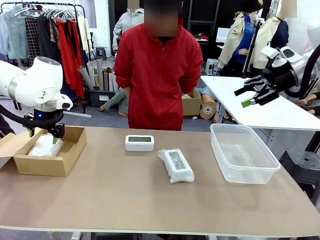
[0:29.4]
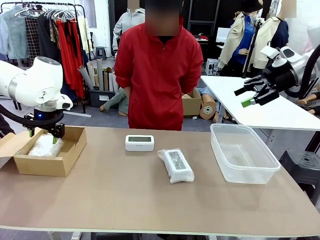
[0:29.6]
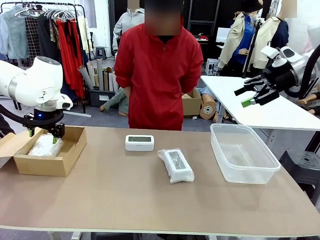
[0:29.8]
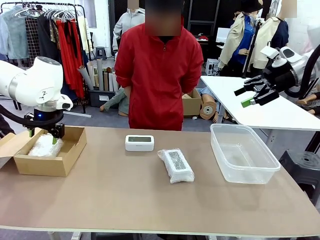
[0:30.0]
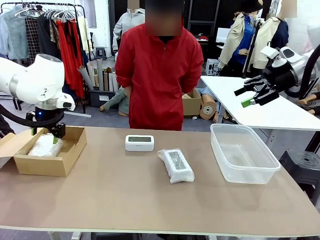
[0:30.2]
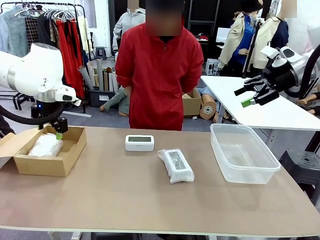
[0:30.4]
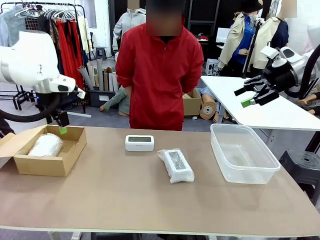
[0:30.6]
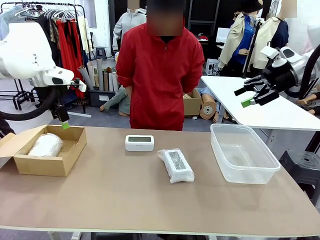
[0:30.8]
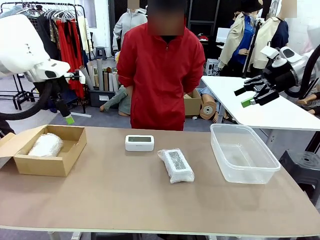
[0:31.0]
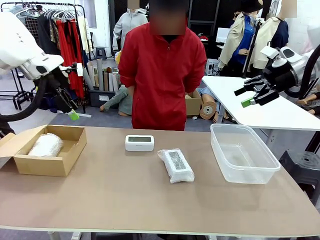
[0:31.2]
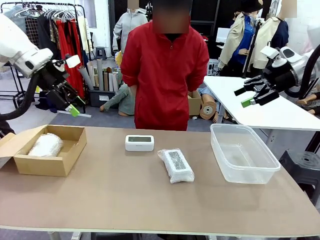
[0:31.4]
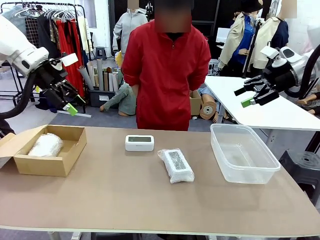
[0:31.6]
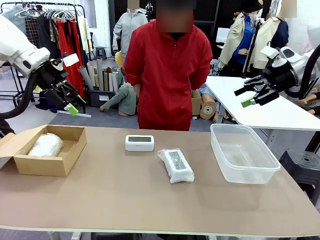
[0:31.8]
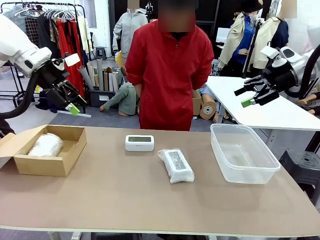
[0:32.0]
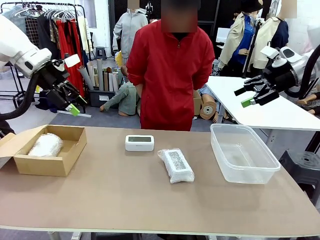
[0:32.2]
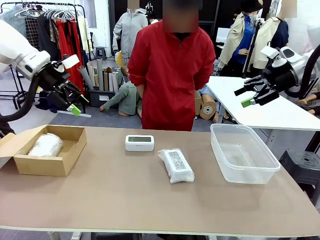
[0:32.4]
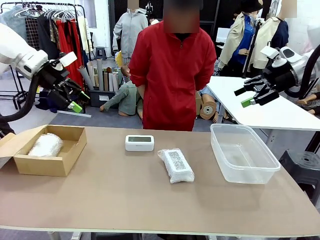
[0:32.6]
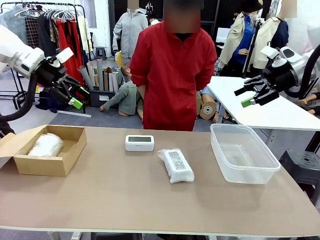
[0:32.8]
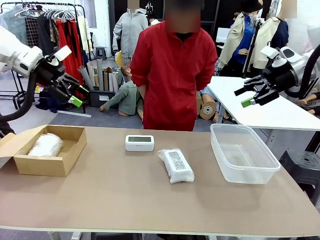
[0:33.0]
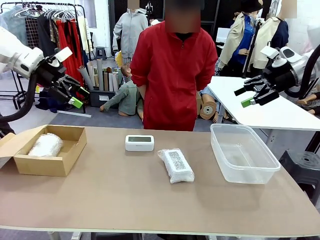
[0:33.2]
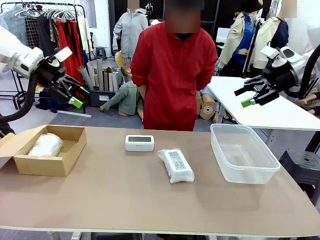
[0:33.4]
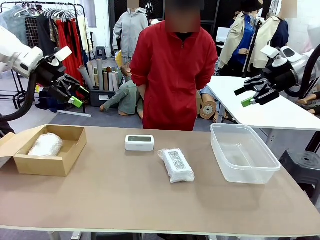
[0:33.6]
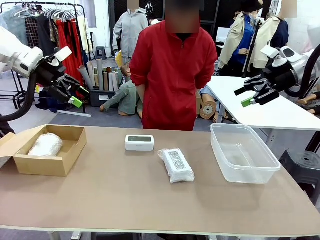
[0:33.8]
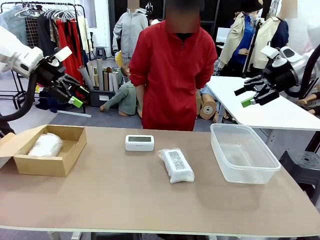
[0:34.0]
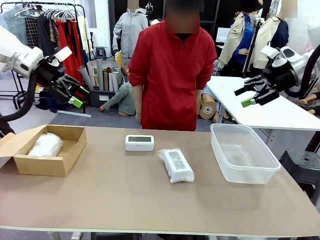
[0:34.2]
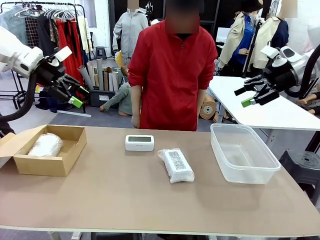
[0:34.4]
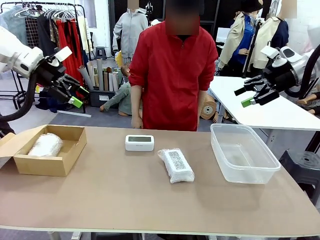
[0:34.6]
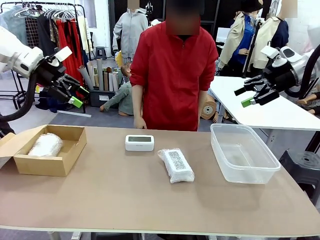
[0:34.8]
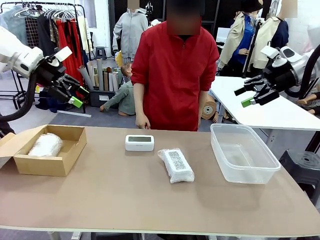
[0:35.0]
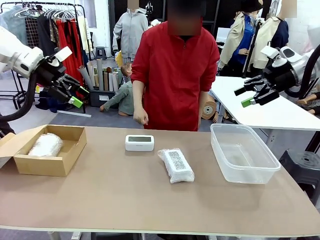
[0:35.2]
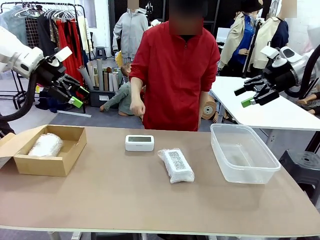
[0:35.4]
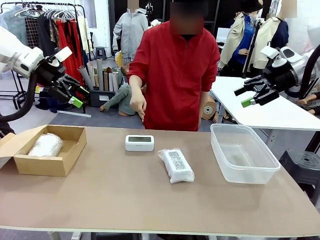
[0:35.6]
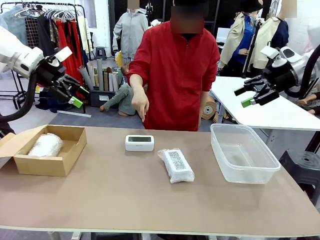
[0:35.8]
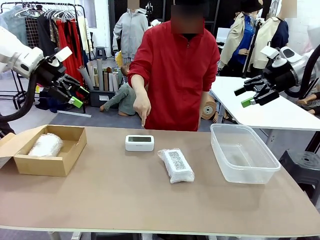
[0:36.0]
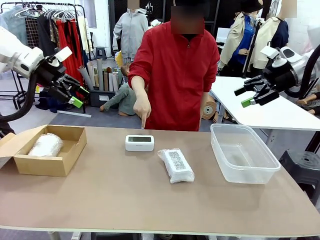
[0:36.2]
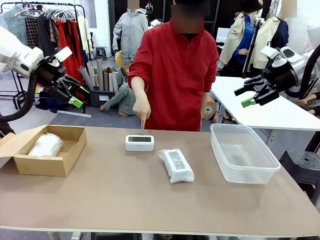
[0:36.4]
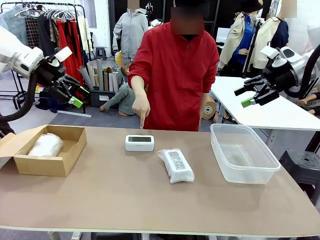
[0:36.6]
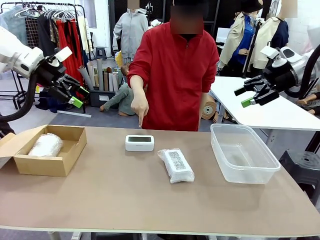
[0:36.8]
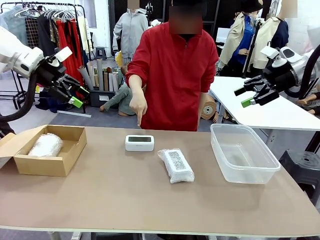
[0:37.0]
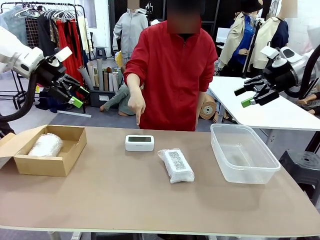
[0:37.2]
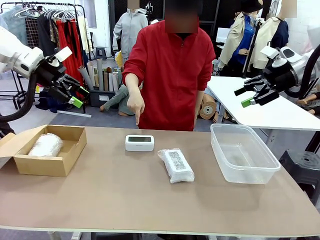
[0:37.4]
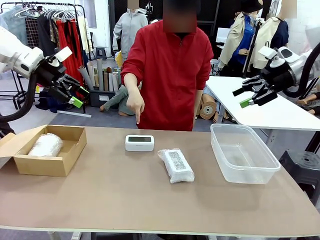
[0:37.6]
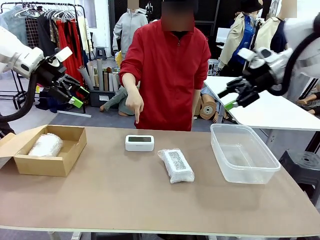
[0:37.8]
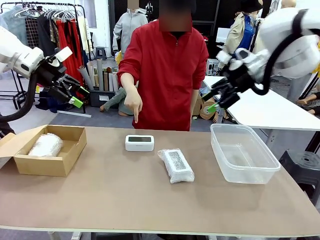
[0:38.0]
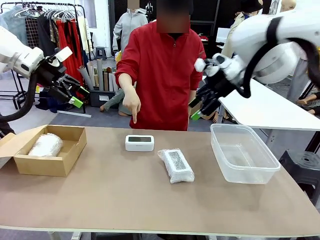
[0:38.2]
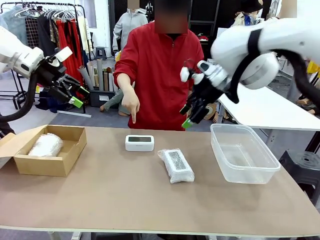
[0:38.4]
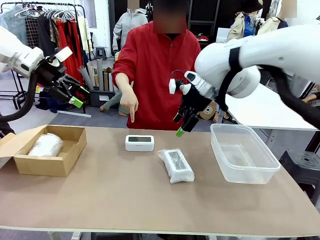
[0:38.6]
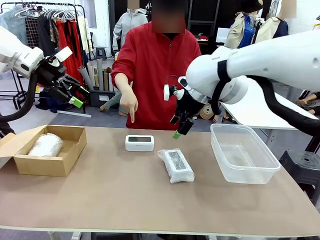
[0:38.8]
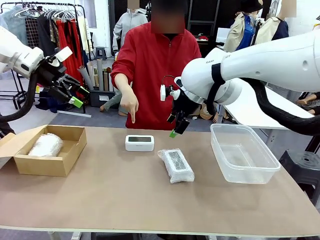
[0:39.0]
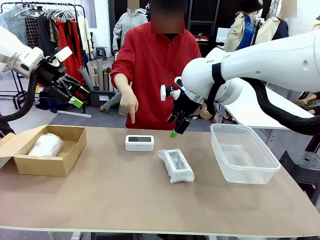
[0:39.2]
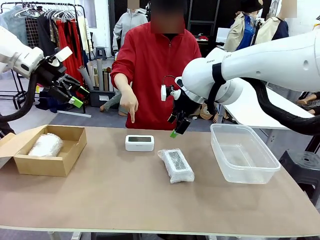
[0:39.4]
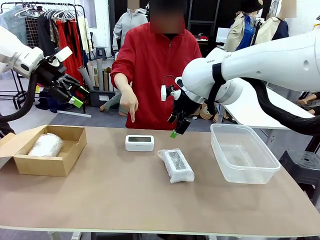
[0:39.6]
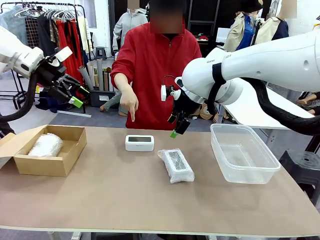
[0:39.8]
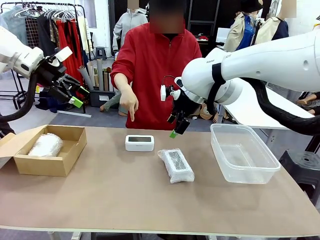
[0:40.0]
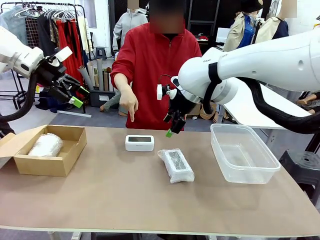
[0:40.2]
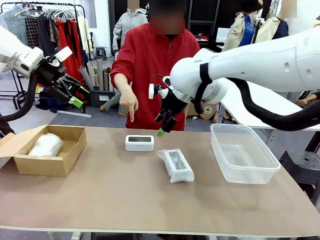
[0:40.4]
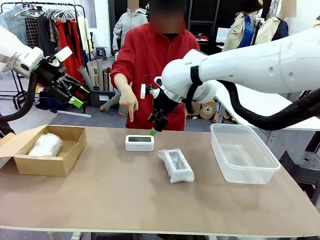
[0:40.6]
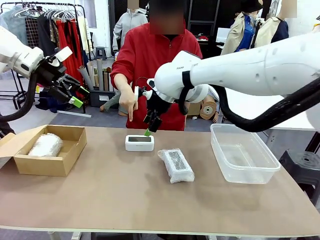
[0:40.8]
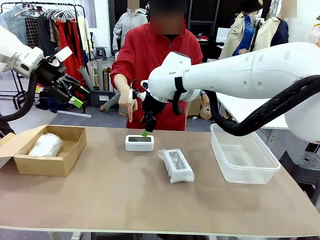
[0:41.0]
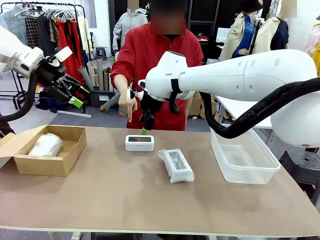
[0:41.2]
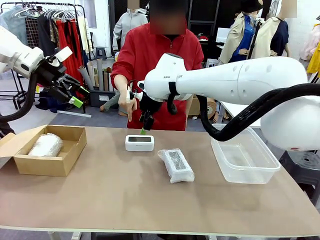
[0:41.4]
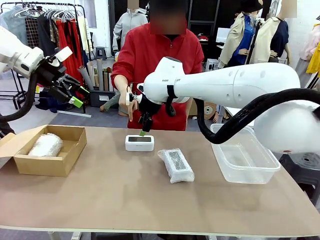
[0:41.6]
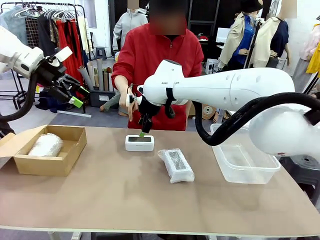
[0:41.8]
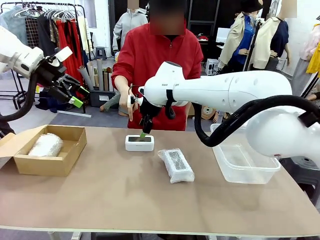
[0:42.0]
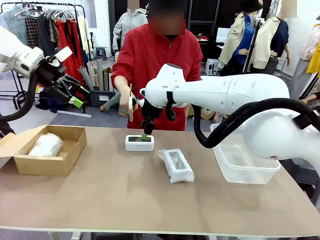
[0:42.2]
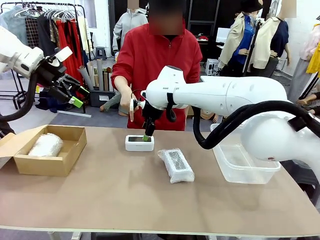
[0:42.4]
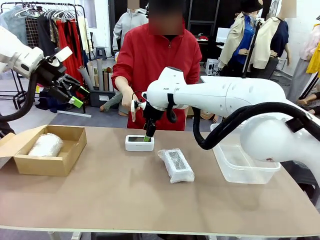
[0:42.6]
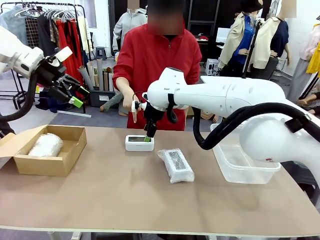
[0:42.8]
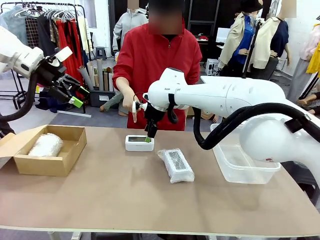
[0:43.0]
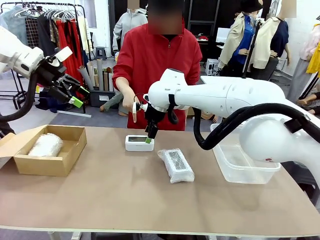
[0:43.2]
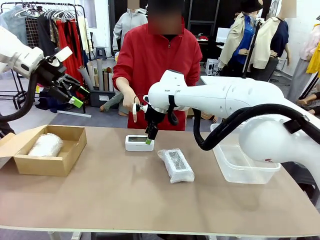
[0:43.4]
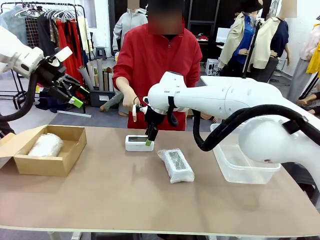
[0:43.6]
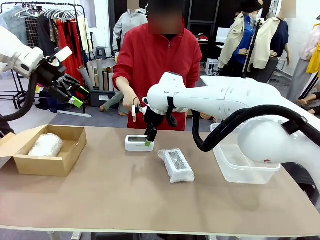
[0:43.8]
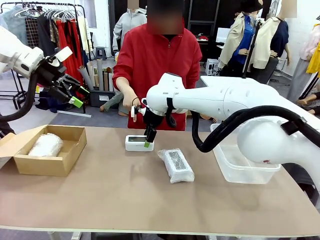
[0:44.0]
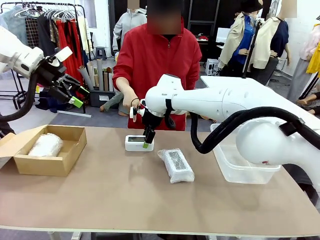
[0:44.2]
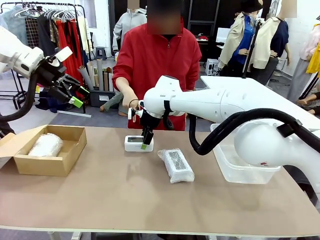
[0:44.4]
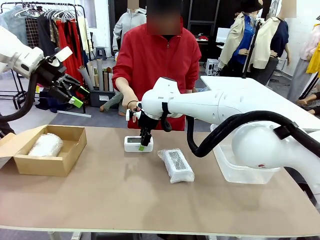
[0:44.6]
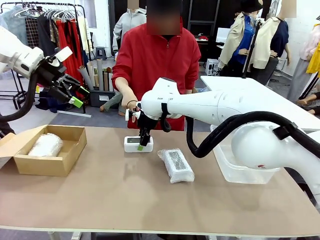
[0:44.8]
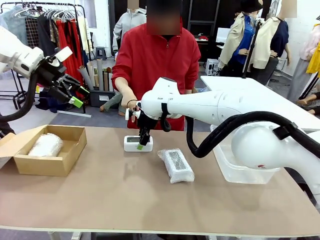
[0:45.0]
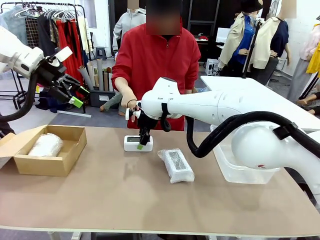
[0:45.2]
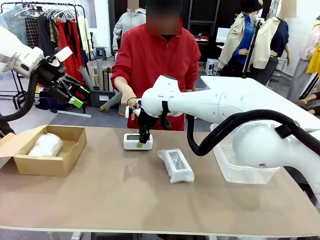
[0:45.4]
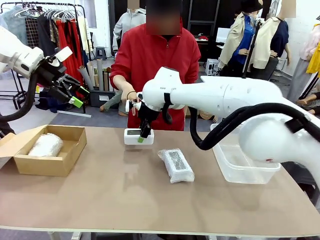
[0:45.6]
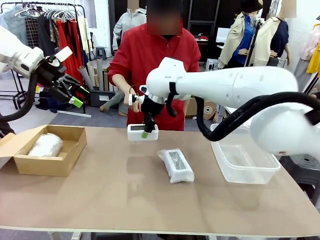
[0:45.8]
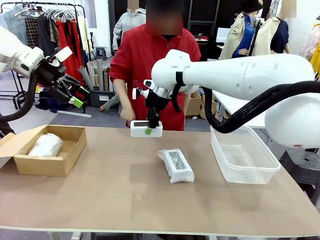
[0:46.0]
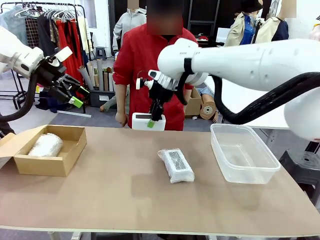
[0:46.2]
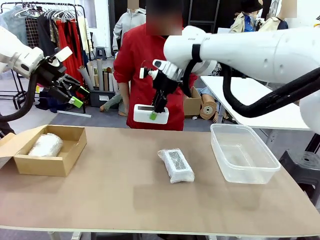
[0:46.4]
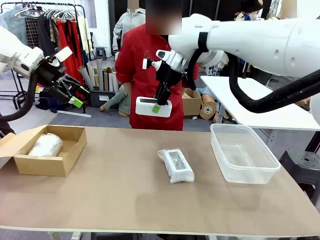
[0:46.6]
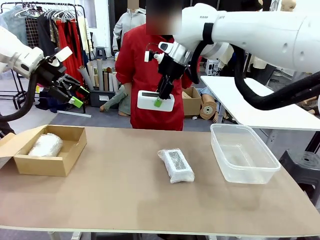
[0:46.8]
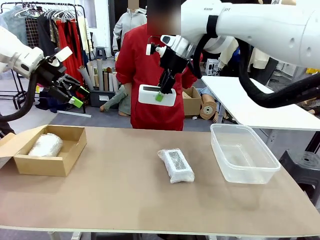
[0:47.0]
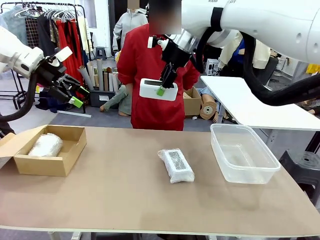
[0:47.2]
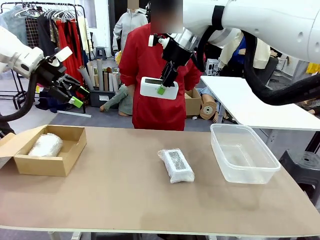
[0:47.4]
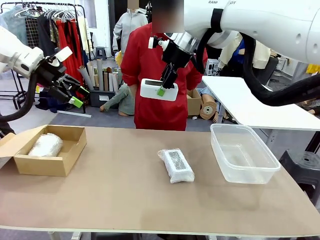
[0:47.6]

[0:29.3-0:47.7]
Task: Separate and place wrapped and unwrapped clocks.
Robot: Pick up the Digital clock indicated by the person.
